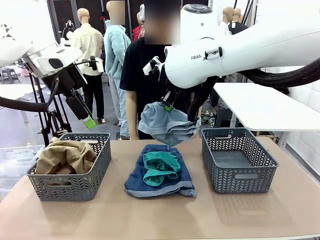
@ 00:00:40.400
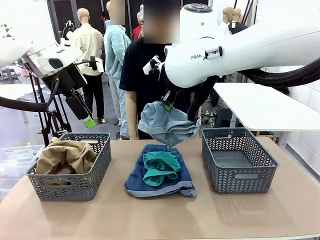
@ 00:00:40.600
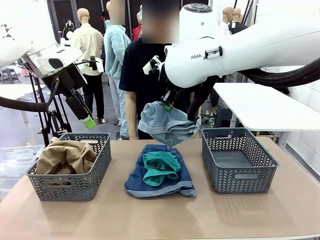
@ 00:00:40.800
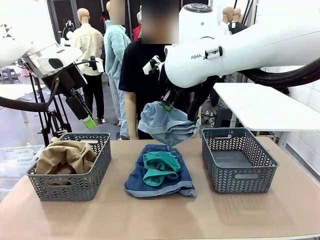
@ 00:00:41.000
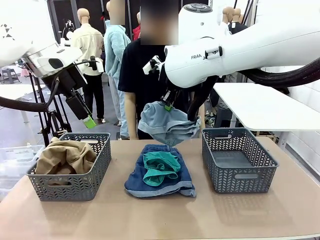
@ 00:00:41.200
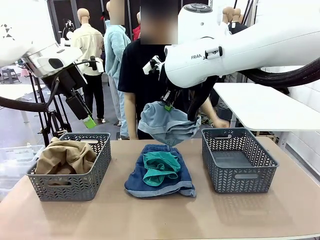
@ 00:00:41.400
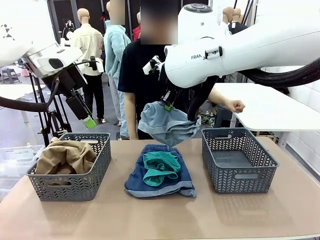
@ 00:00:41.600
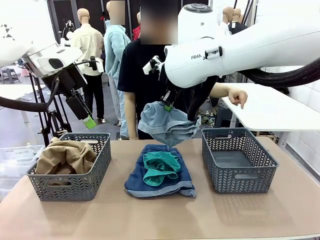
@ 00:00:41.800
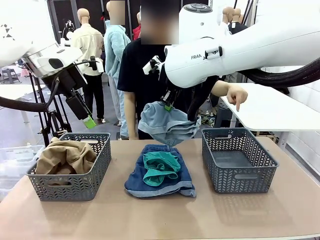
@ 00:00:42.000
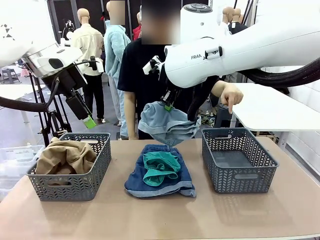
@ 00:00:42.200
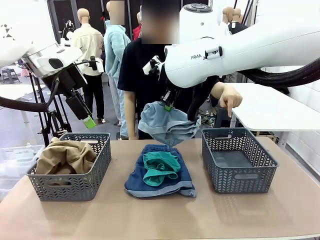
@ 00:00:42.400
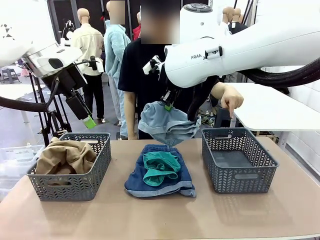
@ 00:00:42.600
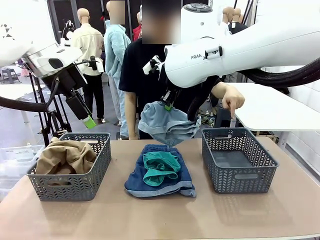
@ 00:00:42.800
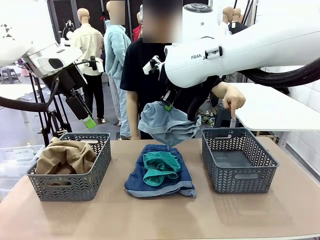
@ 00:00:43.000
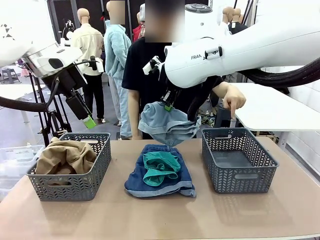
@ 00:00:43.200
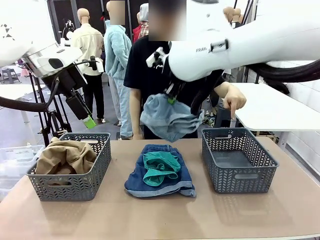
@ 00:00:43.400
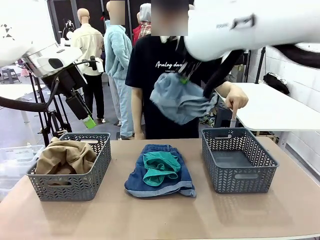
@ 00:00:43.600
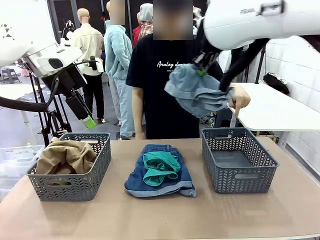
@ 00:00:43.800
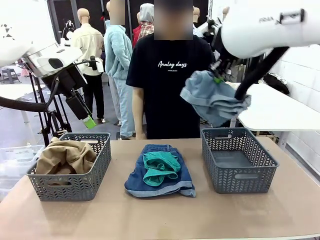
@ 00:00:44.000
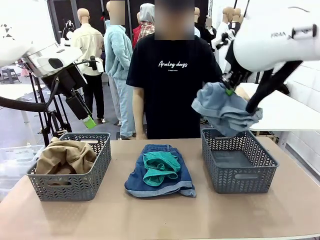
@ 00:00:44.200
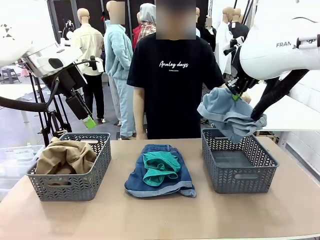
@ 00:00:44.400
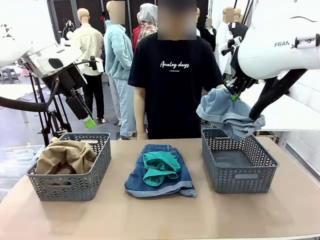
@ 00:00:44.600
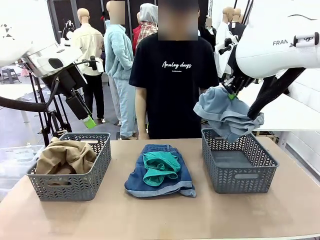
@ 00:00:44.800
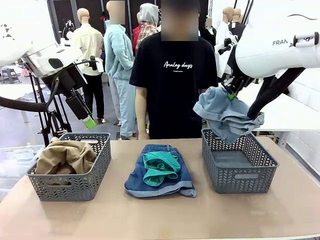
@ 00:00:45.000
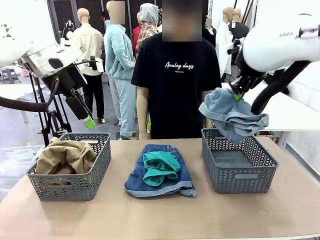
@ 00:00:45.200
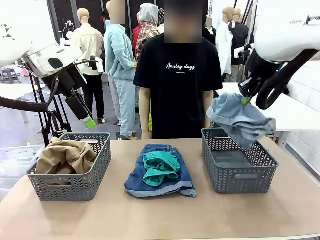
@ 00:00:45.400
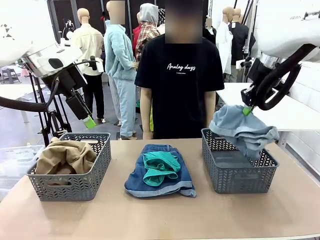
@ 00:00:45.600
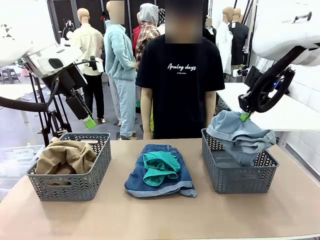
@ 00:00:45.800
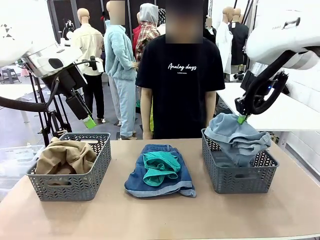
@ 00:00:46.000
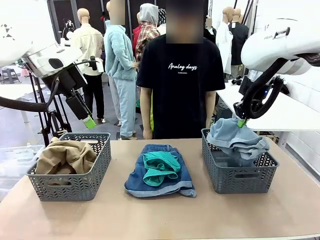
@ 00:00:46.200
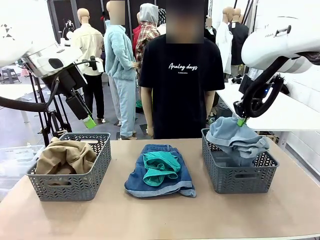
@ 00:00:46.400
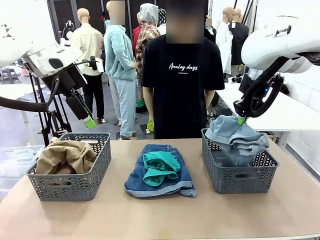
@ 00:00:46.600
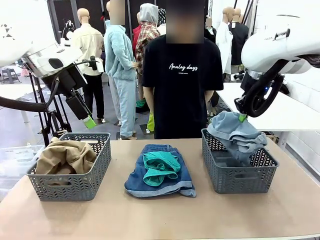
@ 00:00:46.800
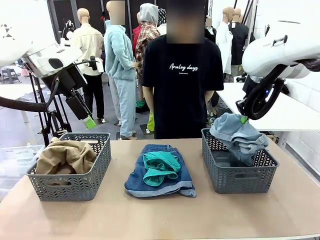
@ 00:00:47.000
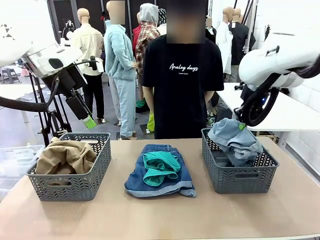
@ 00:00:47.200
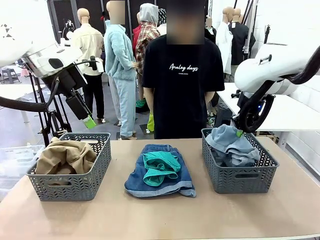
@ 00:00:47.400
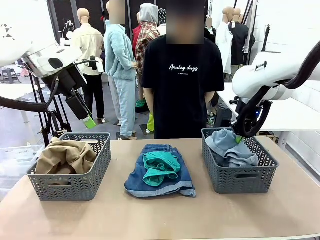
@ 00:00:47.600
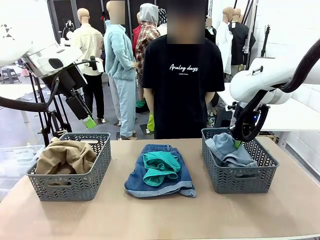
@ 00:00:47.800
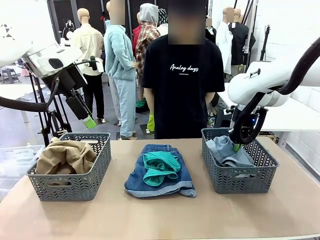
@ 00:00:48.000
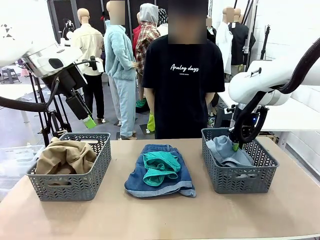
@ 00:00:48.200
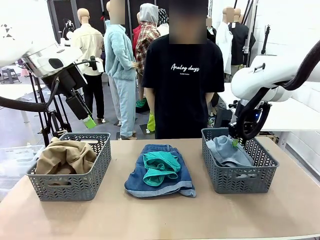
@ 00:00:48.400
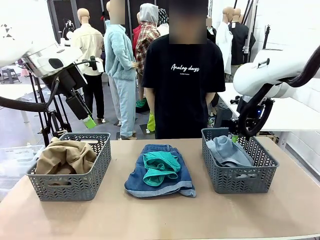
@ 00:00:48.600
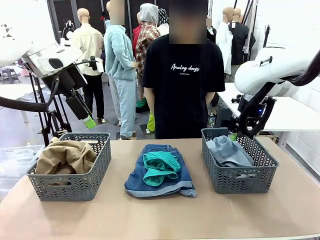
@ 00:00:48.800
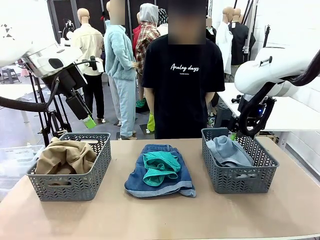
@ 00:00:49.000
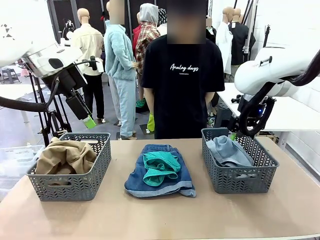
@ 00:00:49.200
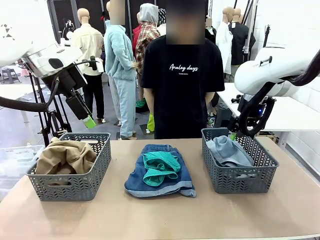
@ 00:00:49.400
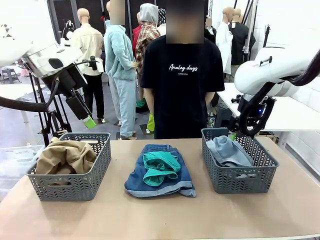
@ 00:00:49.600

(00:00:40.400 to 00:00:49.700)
Task: Sort the tops and bottoms.
Robot: Sort the clothes according to human instructions.

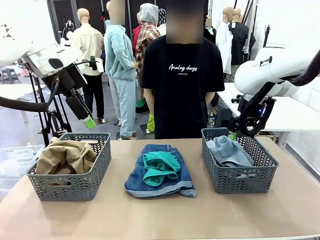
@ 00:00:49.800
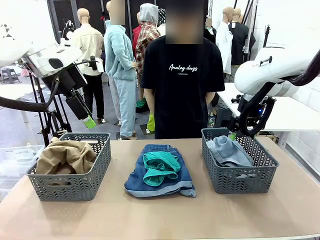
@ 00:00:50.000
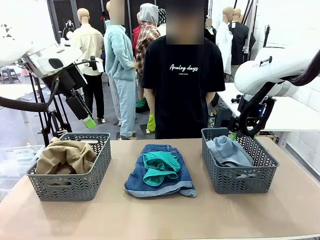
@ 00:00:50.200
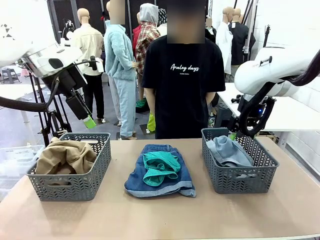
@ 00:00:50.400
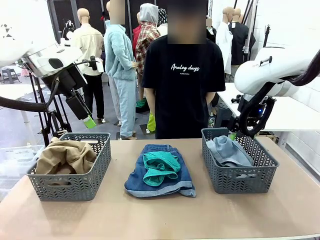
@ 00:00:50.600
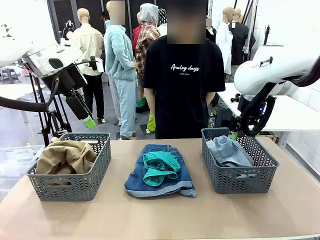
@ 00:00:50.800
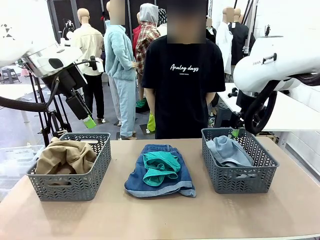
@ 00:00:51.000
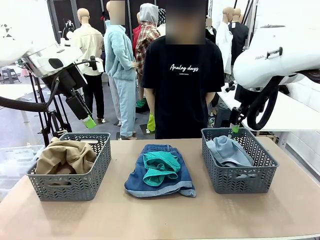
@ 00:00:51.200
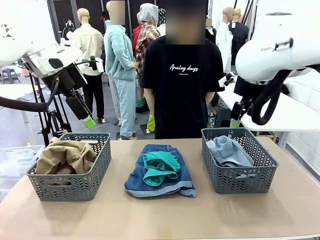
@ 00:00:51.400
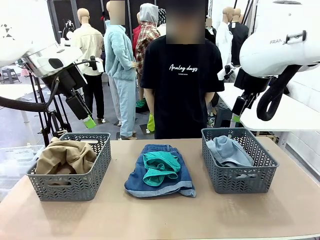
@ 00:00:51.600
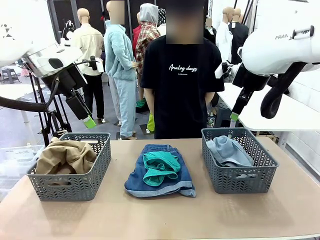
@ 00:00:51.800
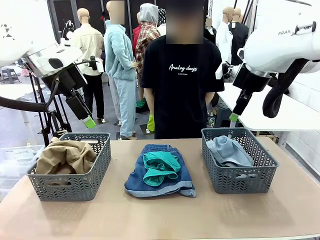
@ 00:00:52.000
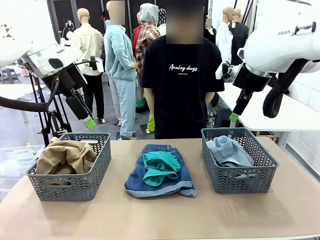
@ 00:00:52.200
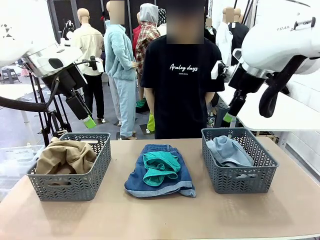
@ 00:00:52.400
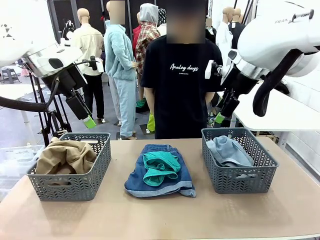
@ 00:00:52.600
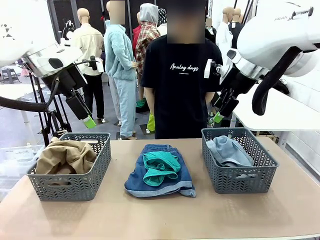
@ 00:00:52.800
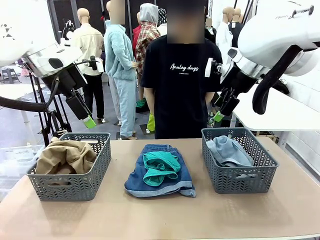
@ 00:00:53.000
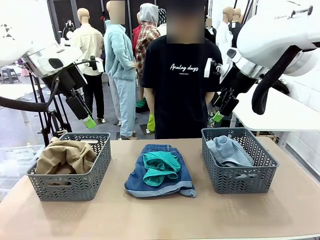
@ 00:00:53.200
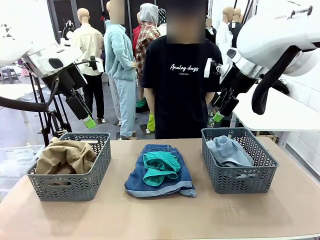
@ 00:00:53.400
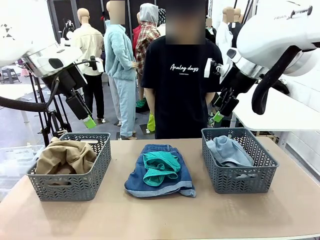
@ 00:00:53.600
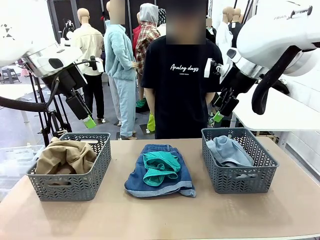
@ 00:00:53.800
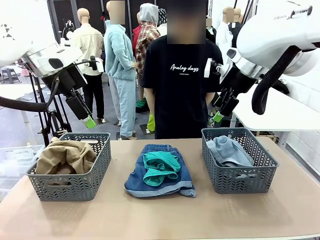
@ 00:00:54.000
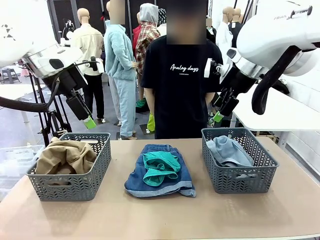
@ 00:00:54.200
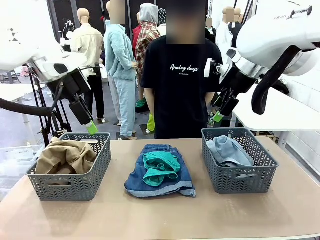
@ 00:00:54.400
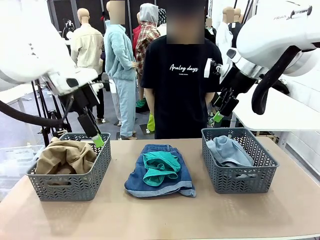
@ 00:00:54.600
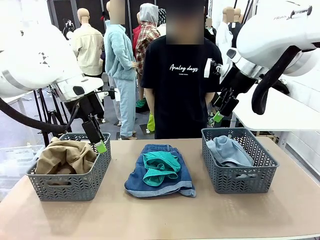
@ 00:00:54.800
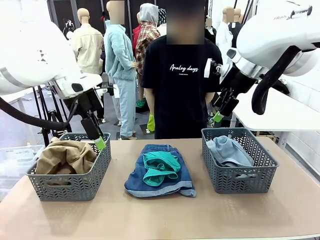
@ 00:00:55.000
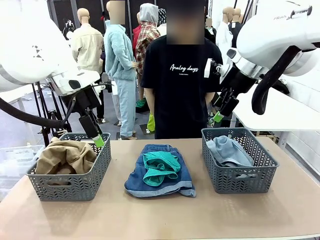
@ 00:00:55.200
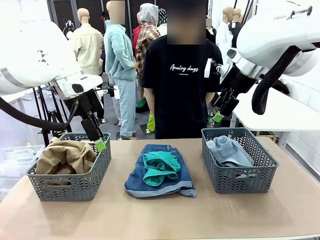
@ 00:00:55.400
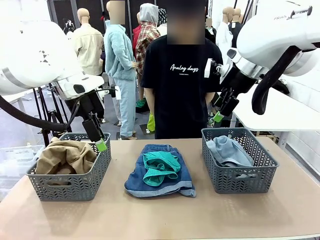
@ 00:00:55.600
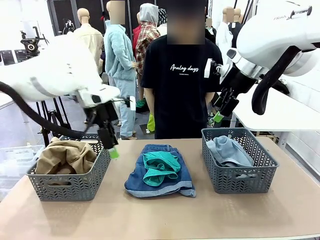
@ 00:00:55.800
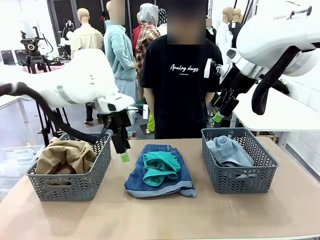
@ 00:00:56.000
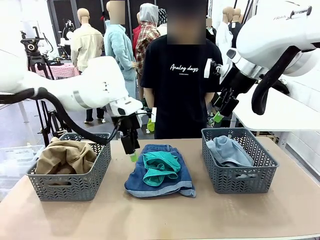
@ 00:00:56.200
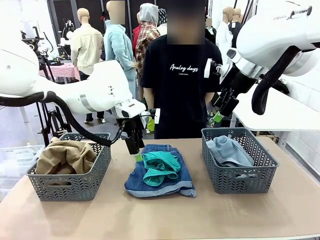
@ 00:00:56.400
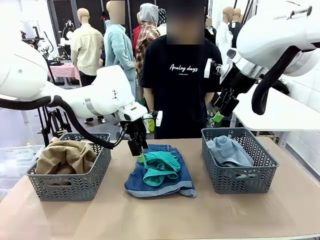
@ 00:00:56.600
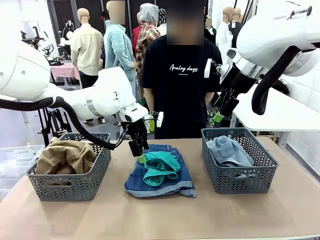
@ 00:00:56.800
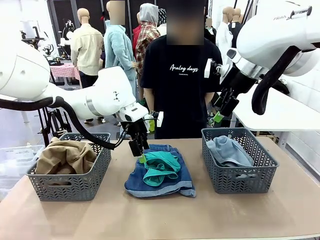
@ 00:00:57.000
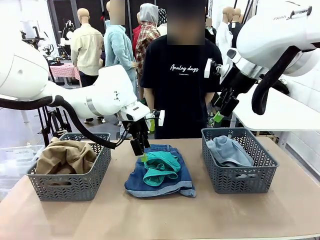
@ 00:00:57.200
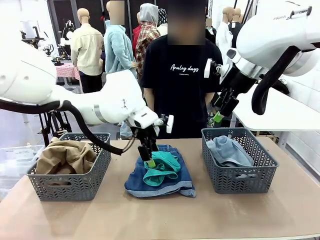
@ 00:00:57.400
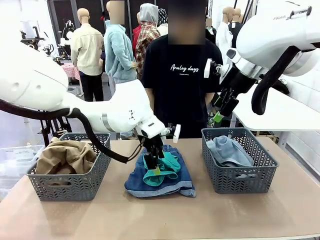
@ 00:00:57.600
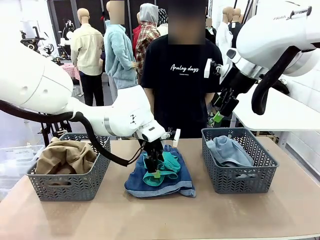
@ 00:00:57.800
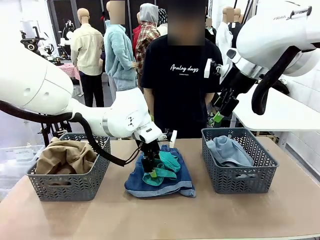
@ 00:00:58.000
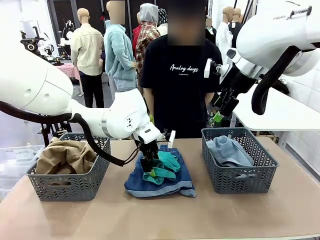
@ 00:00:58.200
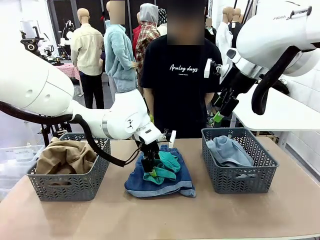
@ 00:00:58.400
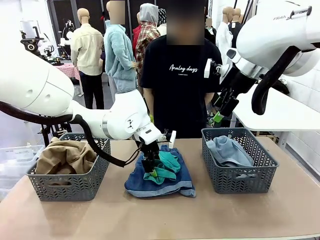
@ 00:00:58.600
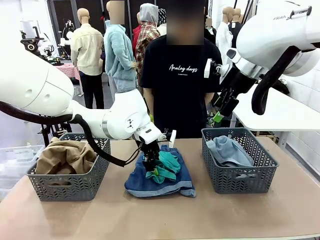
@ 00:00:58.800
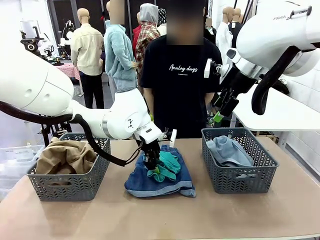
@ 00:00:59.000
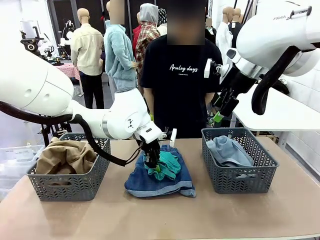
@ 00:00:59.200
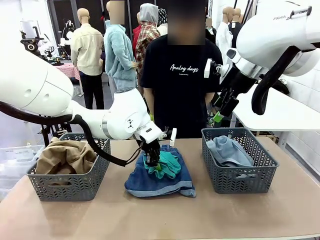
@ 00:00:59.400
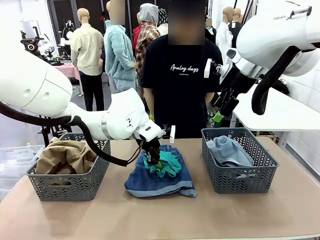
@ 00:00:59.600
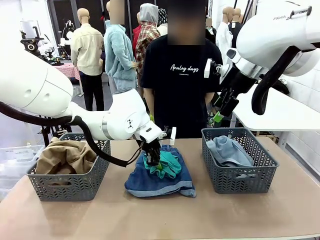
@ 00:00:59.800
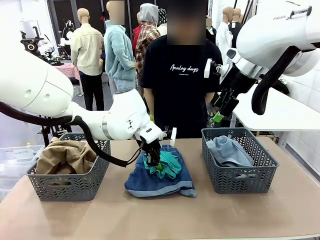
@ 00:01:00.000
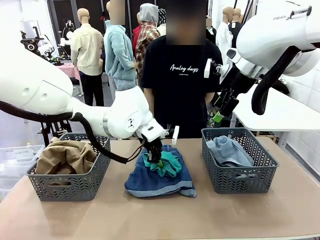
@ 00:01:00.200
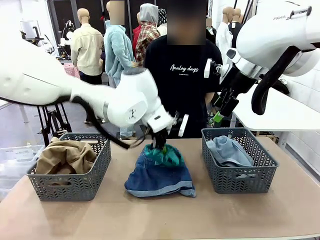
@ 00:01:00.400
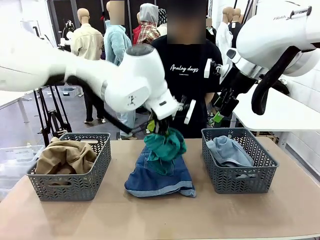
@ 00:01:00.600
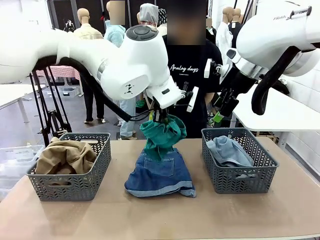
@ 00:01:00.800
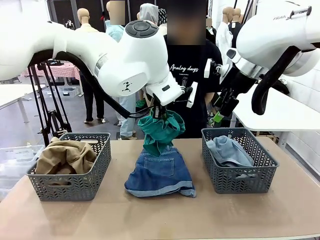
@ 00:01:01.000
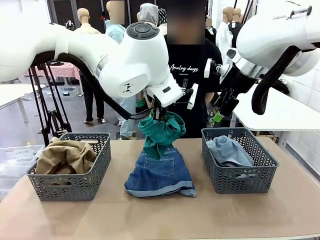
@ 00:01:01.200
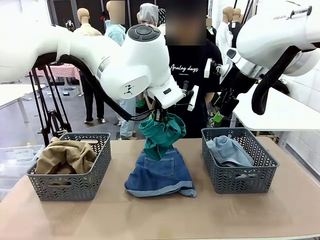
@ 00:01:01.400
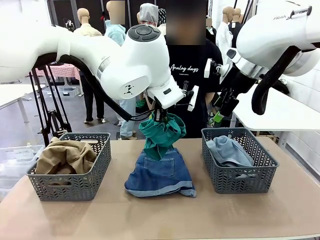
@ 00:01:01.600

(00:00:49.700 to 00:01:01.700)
Robot: Lift clothes from the center of the table with your left hand.
